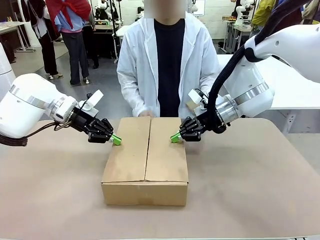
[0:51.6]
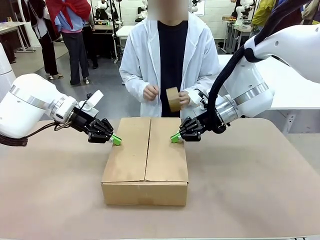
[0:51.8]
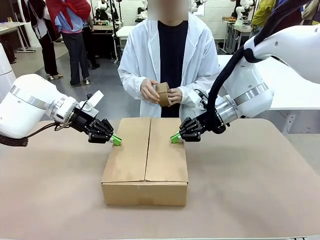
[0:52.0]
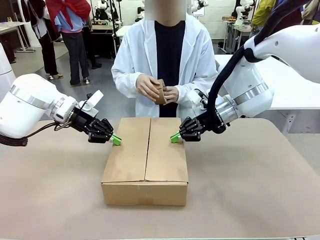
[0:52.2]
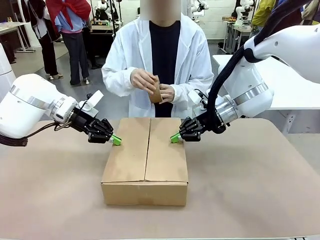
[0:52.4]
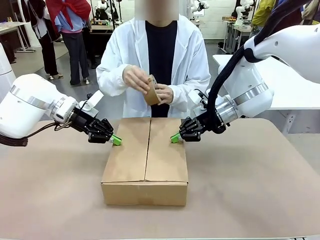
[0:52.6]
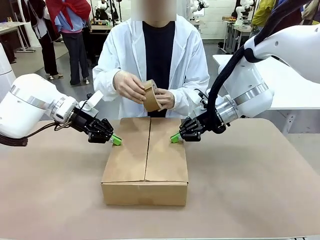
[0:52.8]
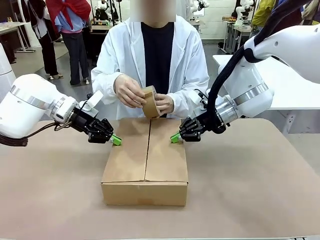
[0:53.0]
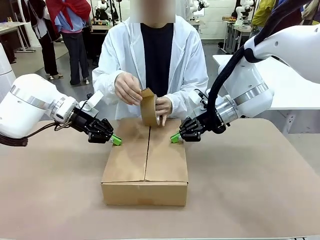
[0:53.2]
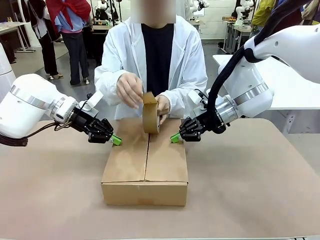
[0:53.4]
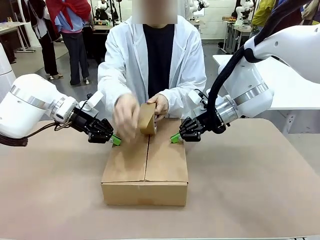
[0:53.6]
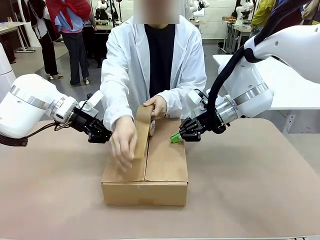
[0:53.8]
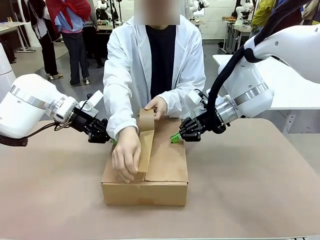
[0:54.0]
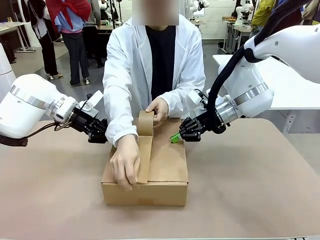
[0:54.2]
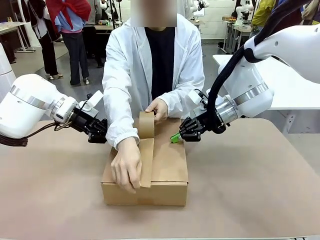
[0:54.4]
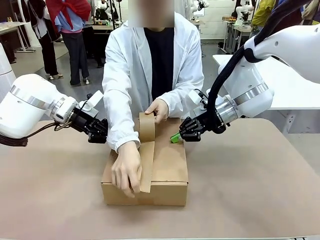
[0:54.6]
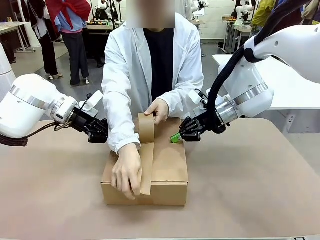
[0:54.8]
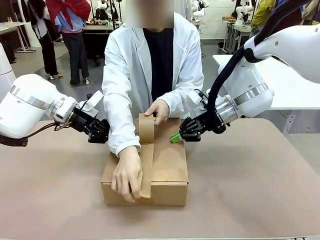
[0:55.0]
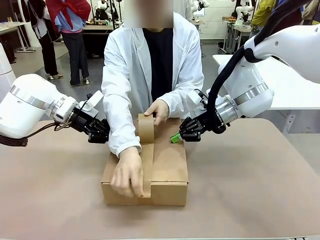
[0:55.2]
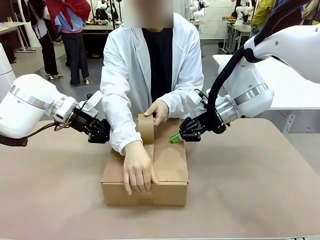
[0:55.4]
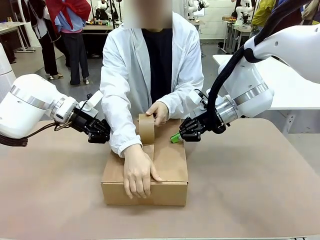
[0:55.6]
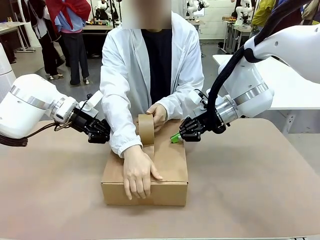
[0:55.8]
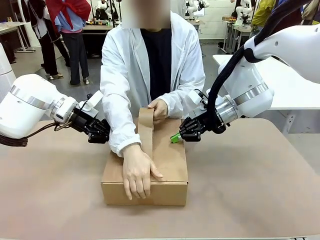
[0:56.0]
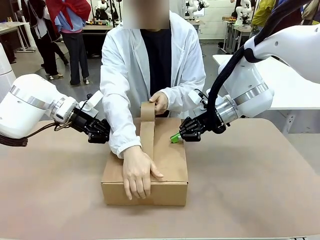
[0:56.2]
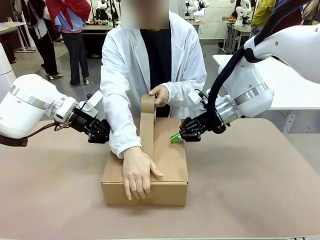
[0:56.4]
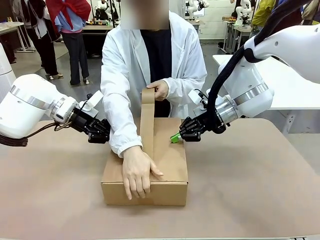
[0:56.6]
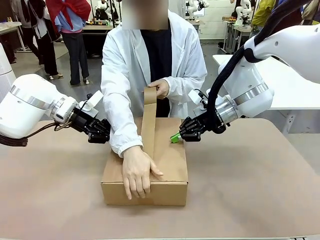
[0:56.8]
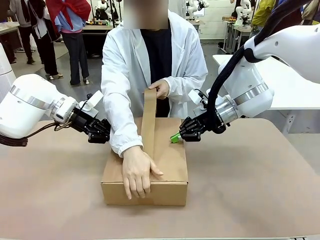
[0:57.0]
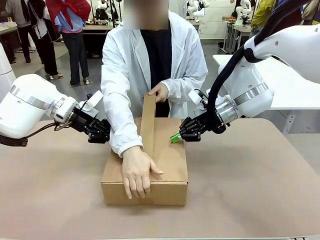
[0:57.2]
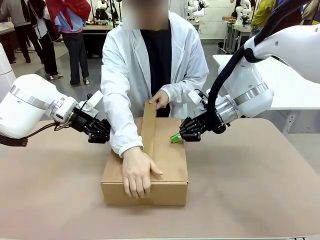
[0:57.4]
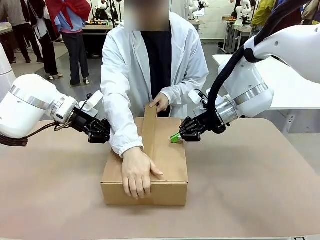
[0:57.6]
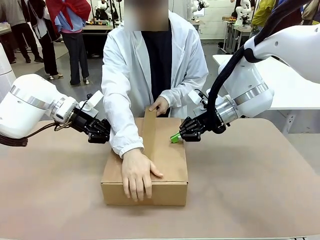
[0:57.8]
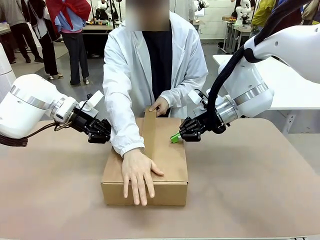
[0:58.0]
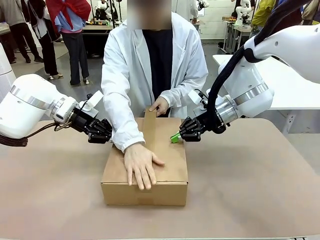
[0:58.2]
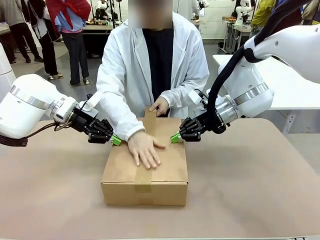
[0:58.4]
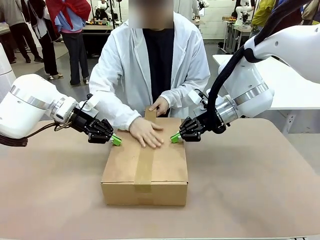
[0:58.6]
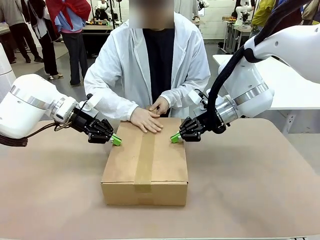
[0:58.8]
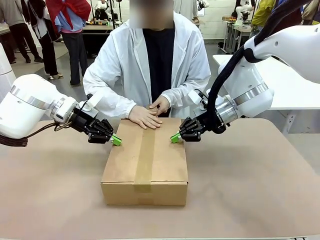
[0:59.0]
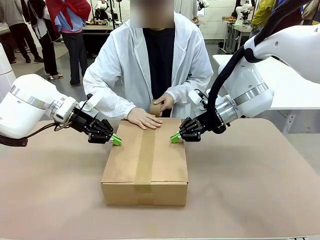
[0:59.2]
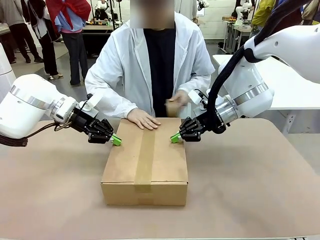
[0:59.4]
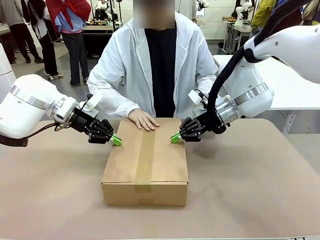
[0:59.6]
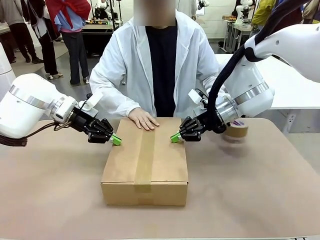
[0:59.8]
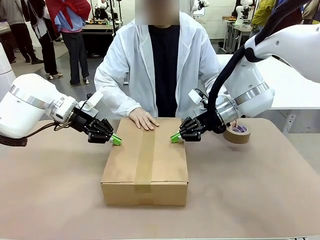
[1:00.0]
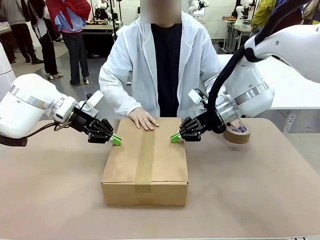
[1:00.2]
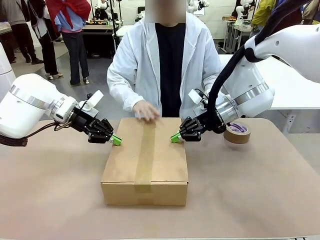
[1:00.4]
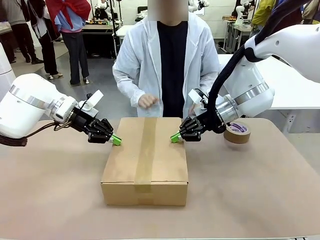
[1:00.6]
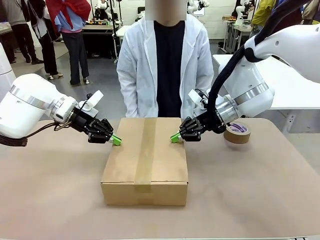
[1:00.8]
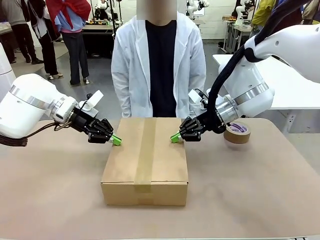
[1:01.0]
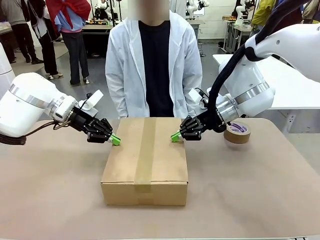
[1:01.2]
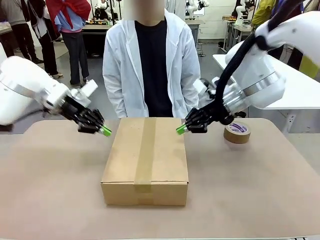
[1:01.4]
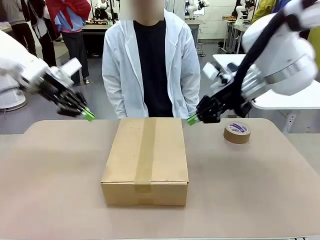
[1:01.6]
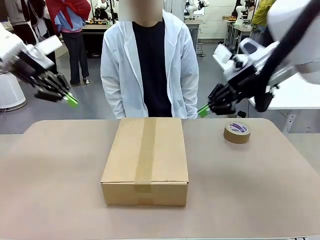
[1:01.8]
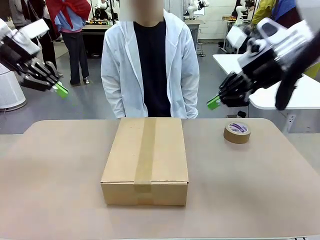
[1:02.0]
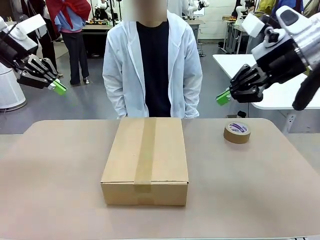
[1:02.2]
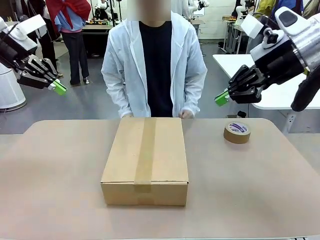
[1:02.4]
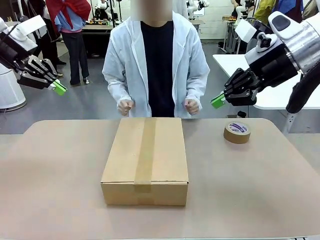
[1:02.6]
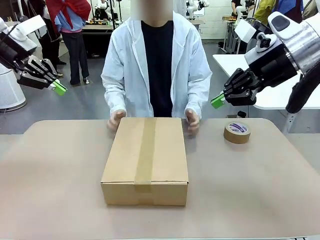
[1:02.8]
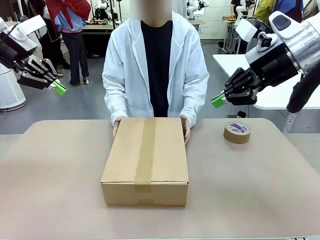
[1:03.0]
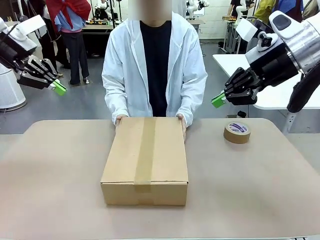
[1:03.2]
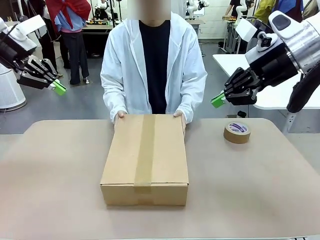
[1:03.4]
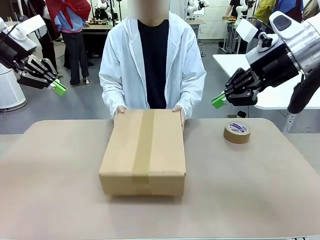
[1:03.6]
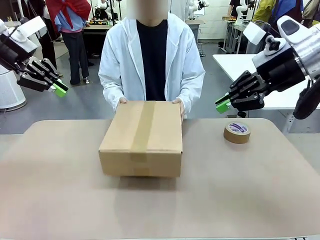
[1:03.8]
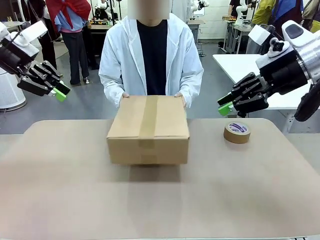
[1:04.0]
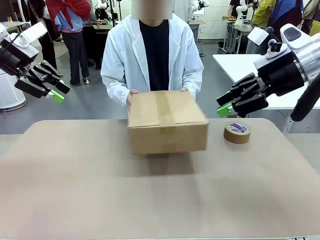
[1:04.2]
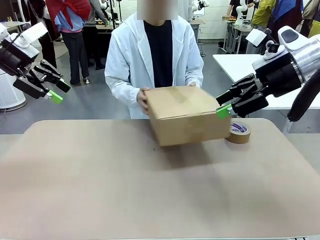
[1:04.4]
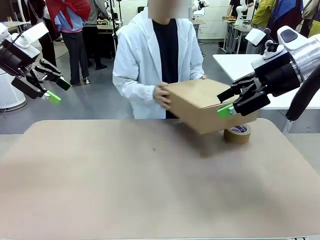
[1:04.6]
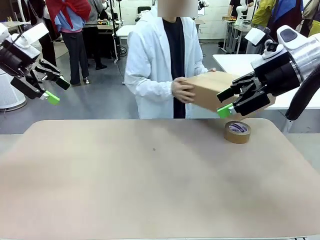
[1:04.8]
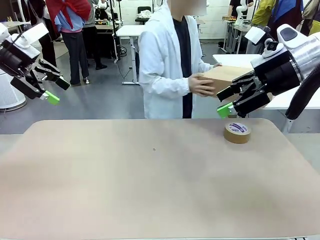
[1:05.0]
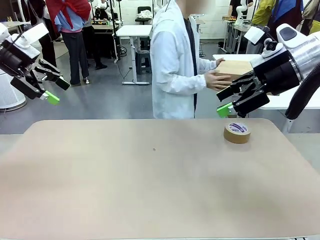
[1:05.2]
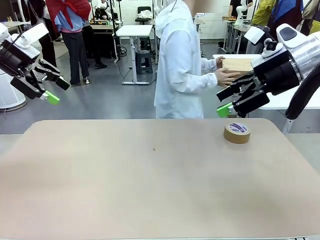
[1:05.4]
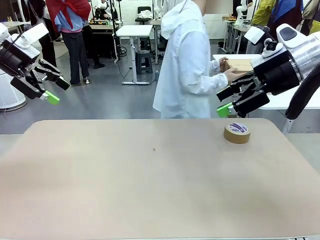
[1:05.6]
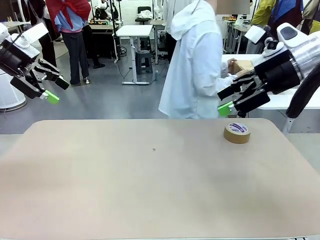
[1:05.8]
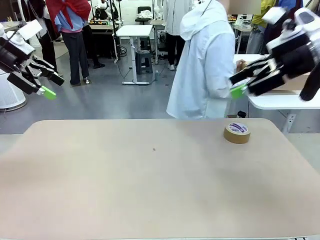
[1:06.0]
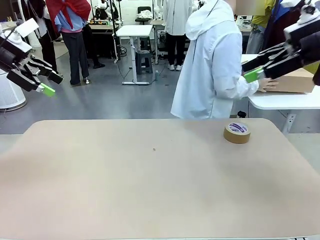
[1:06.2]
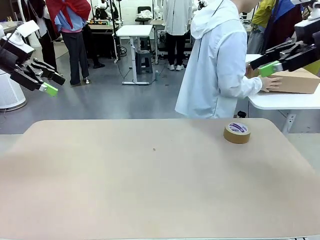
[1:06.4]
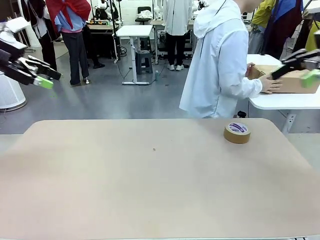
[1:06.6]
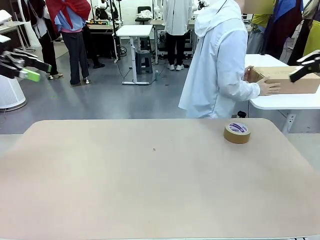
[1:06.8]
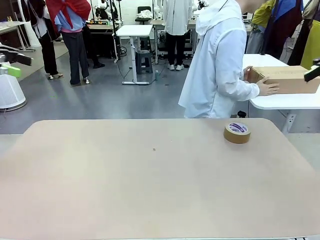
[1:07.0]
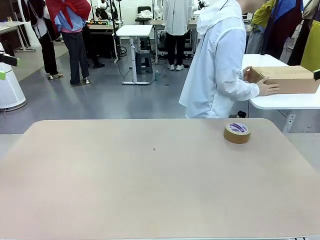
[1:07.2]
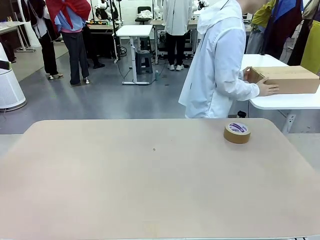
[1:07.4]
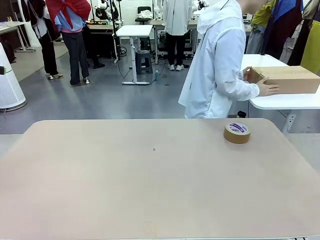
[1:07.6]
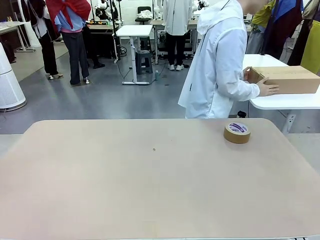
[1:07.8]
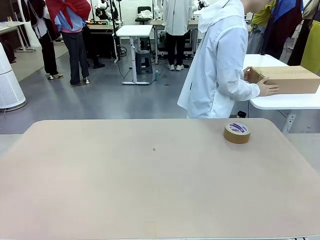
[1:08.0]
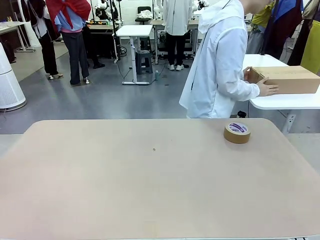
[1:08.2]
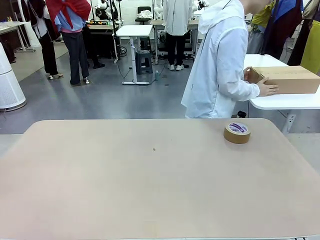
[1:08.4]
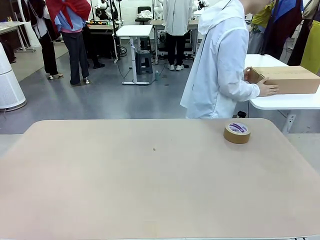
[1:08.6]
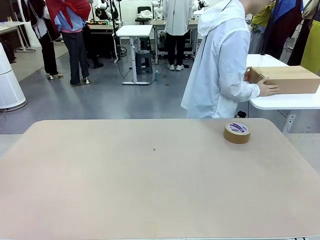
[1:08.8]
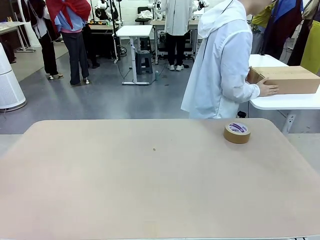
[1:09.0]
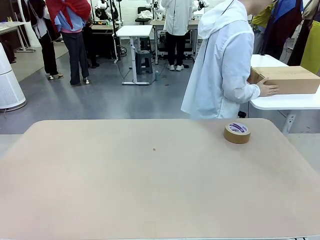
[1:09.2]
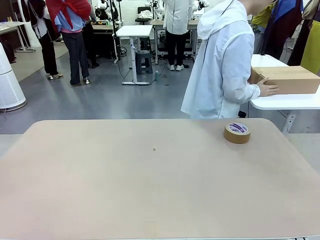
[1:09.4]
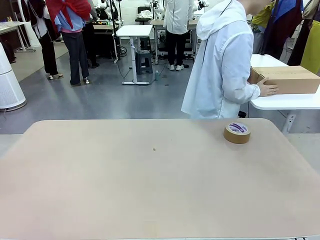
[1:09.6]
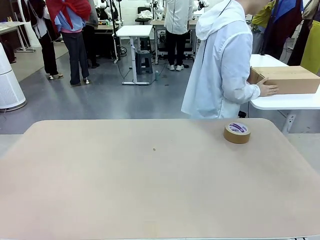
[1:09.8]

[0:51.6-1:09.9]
Task: Wrap the clocks to prevent damage.
Robot: After the human seals the box with tape, release both hands from the side flaps of the Package Box.
Person: Once the robot closes the left flap of the Package Box , seal the box with Paper Tape. Place sealed Package Box in the middle of the human's table.
